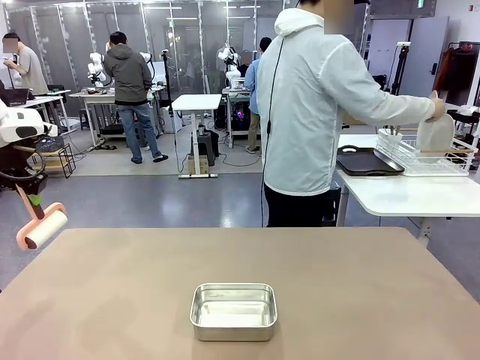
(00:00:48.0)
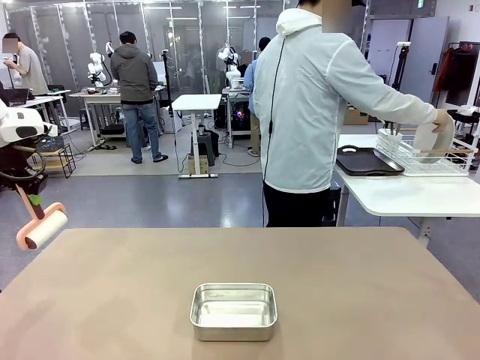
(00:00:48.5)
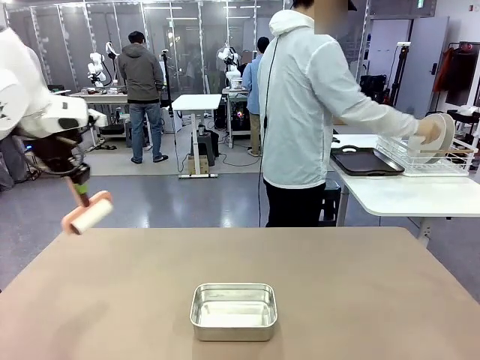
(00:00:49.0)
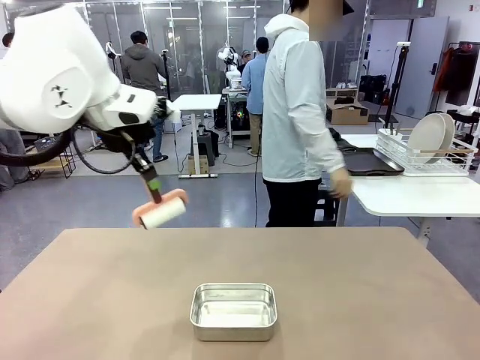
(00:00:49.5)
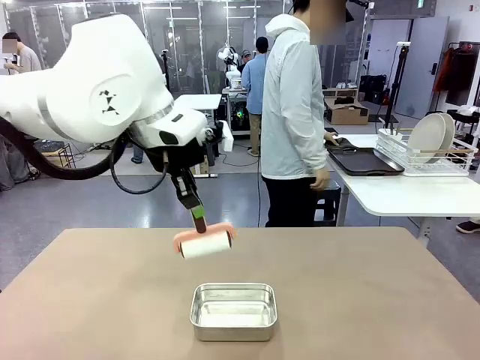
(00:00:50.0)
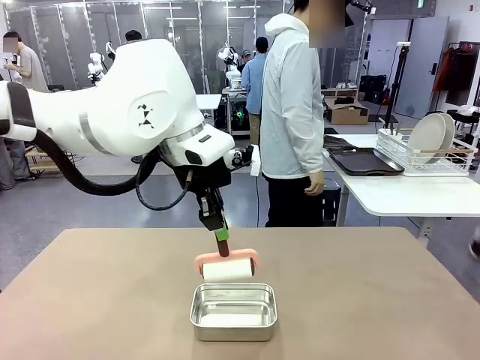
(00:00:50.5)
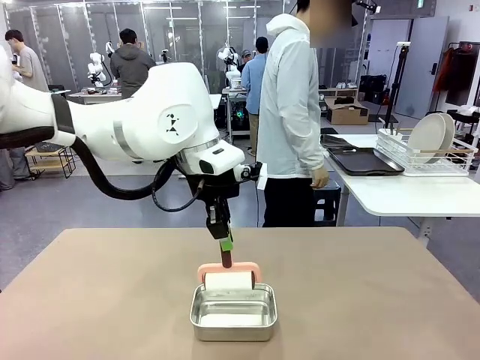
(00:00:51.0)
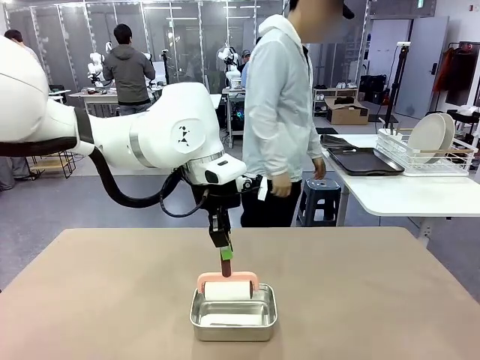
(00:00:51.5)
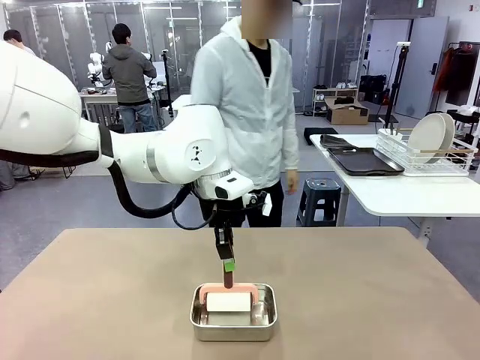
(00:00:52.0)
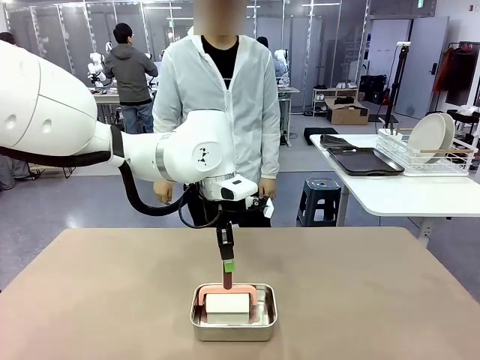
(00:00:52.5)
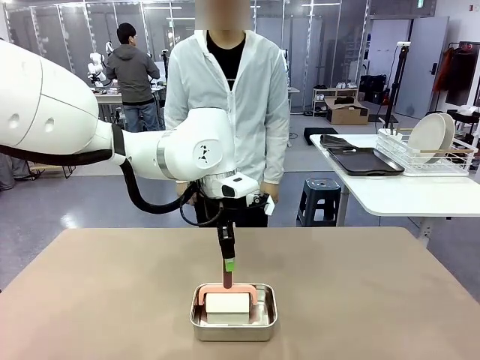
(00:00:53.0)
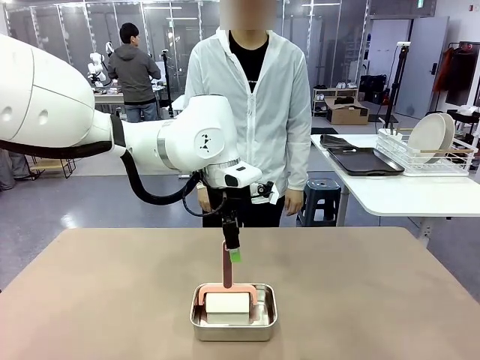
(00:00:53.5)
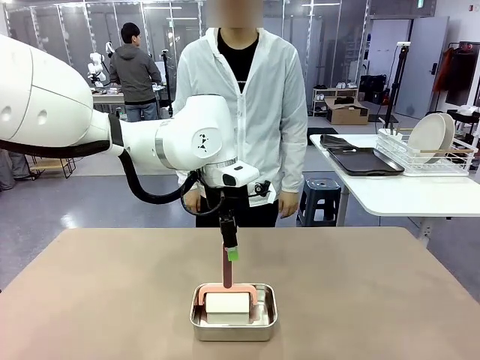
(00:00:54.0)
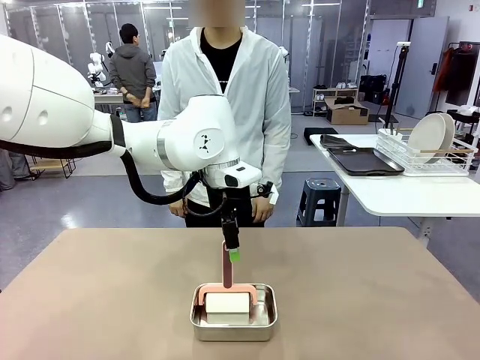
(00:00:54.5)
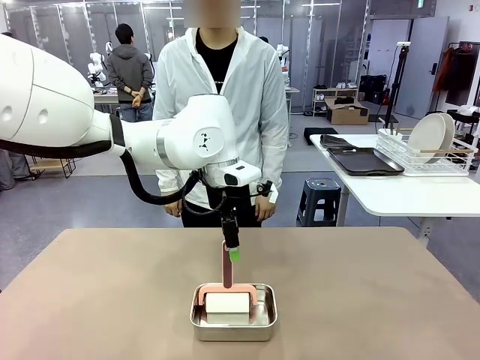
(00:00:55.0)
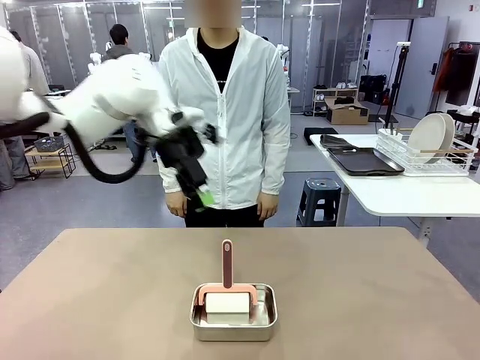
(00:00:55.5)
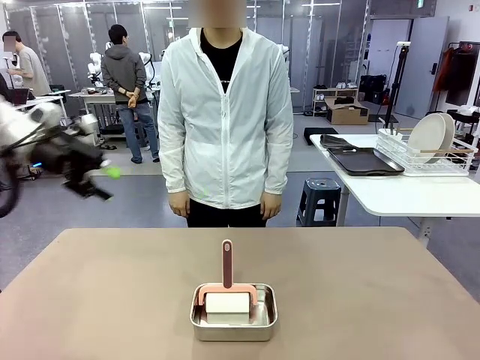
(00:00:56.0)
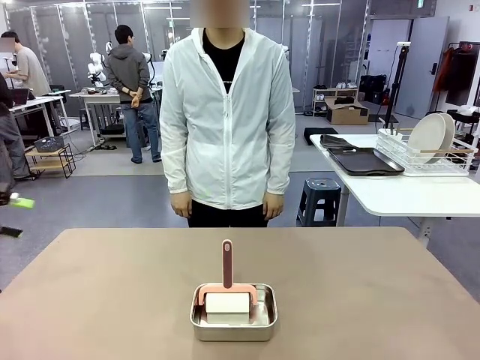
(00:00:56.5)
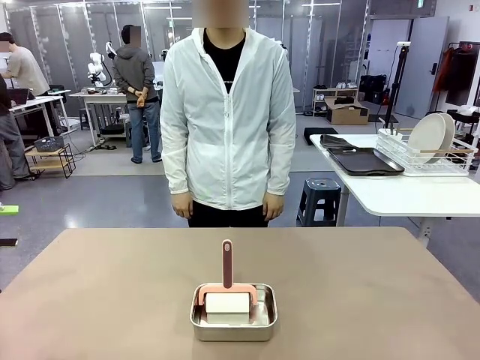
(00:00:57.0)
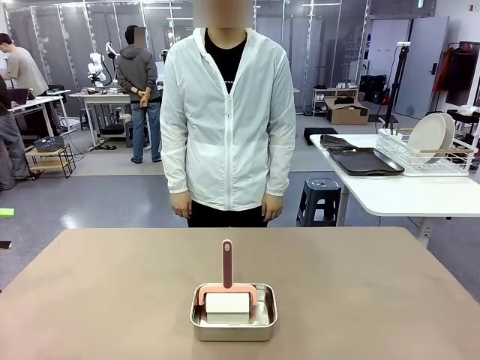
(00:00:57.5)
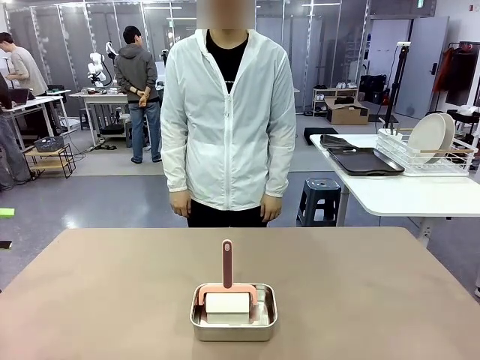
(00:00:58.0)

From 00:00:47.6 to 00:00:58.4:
Robot: Place the Lint Roller back on top of the Airtight Container.

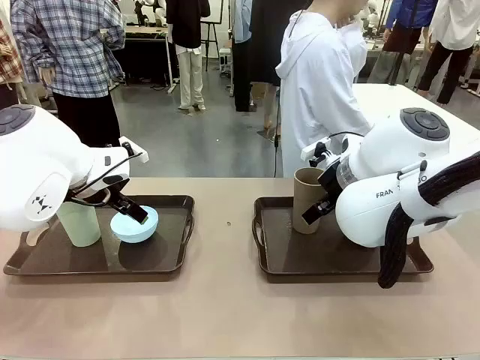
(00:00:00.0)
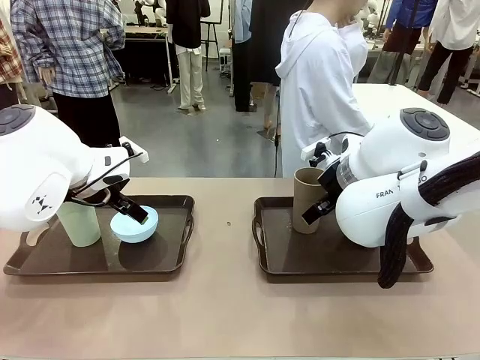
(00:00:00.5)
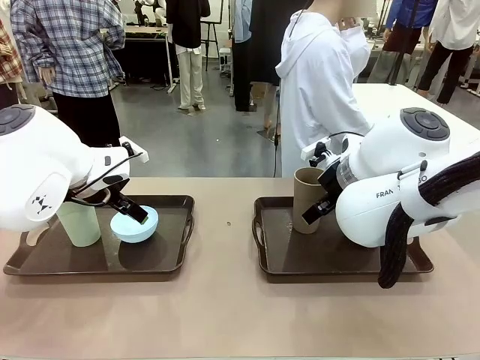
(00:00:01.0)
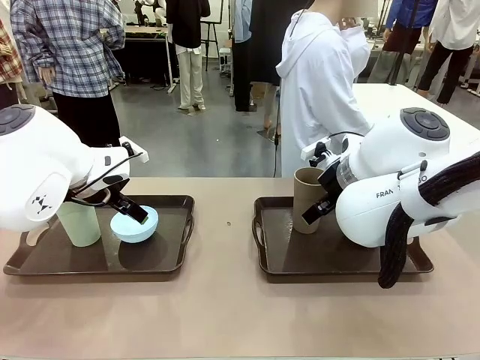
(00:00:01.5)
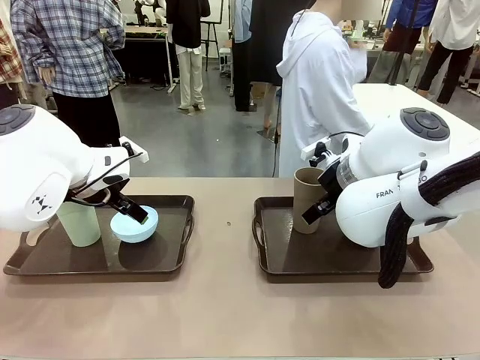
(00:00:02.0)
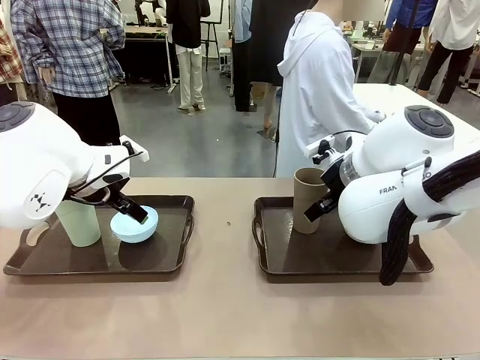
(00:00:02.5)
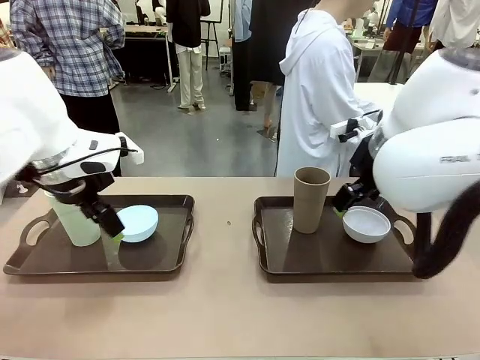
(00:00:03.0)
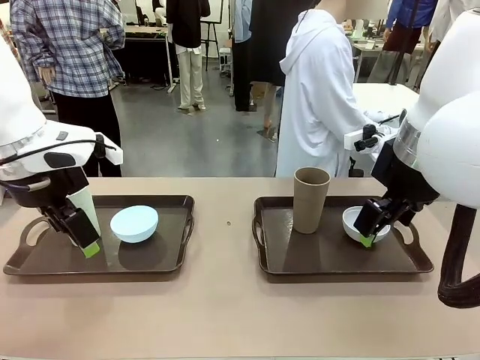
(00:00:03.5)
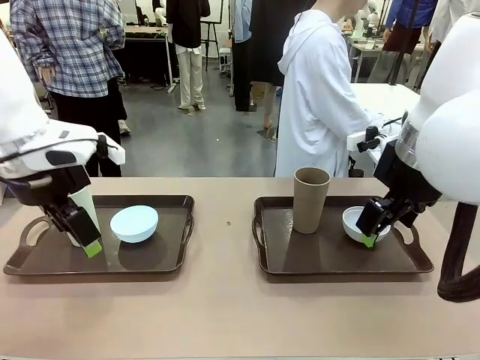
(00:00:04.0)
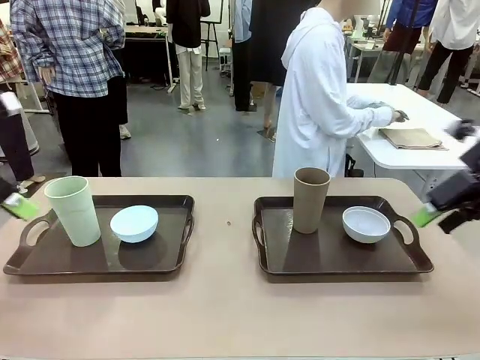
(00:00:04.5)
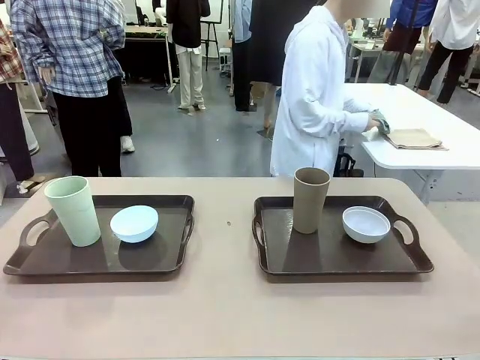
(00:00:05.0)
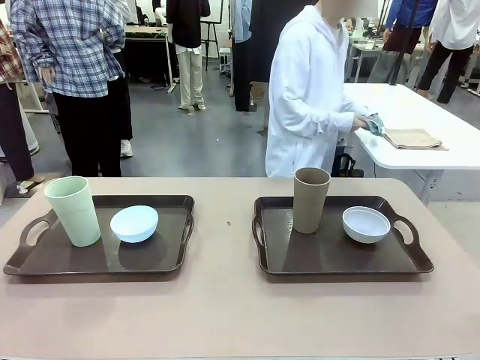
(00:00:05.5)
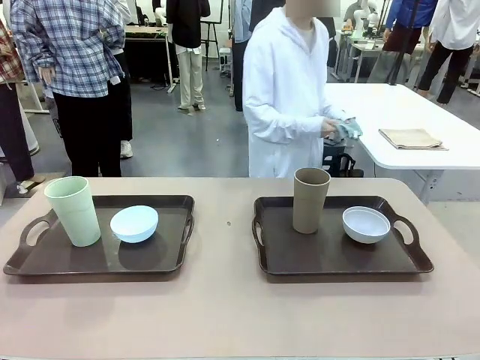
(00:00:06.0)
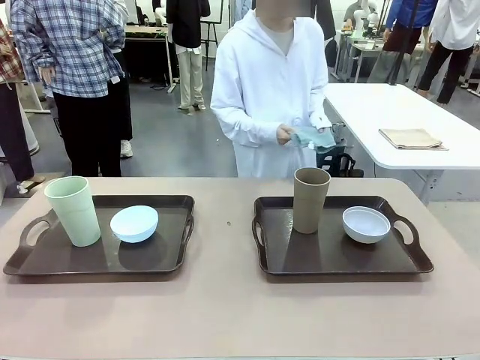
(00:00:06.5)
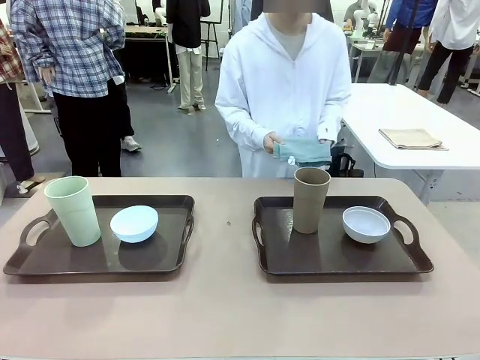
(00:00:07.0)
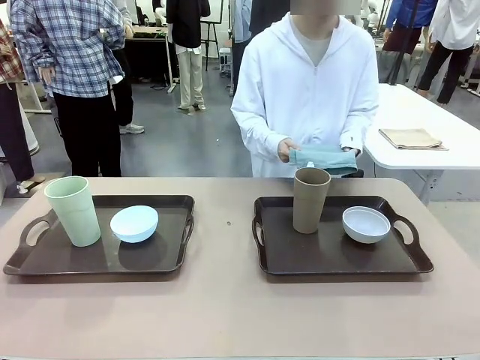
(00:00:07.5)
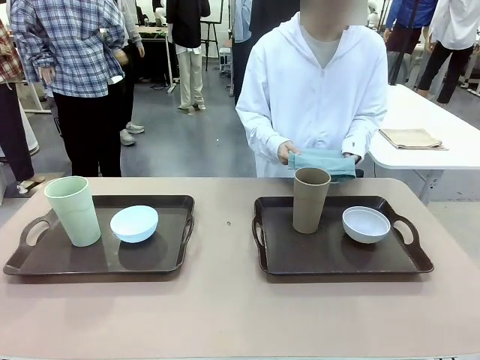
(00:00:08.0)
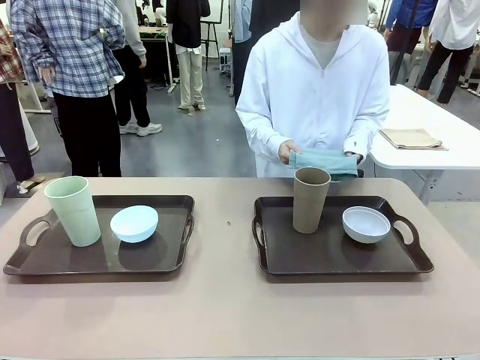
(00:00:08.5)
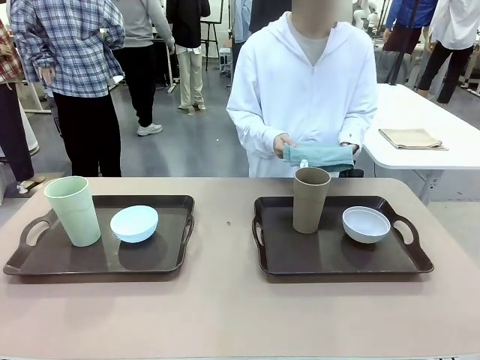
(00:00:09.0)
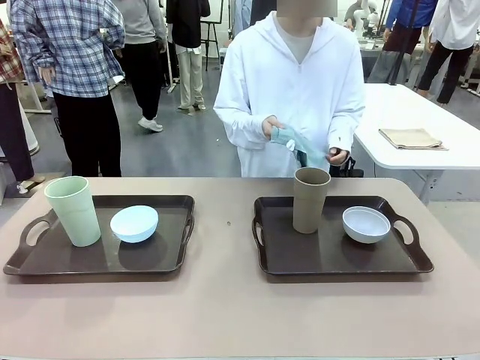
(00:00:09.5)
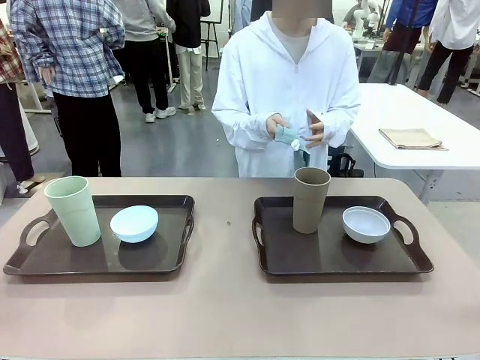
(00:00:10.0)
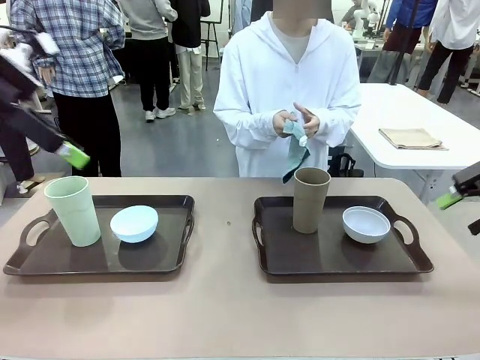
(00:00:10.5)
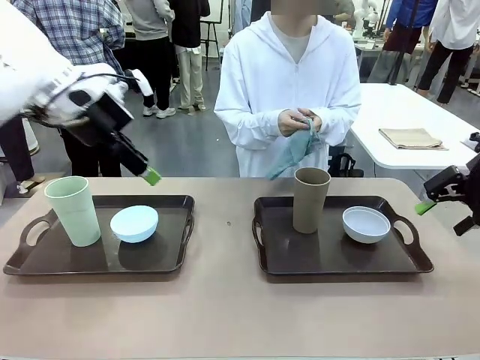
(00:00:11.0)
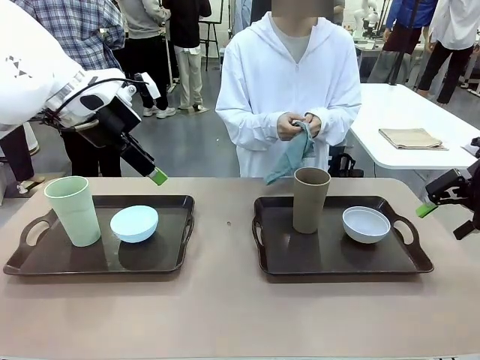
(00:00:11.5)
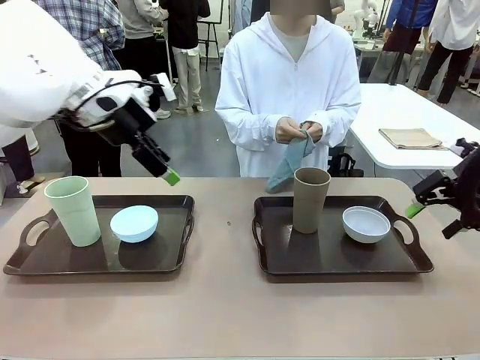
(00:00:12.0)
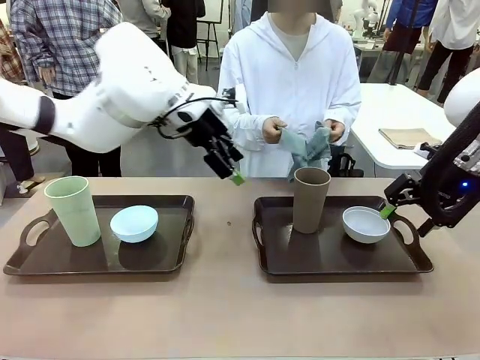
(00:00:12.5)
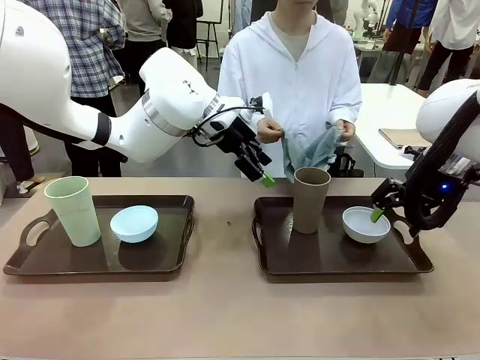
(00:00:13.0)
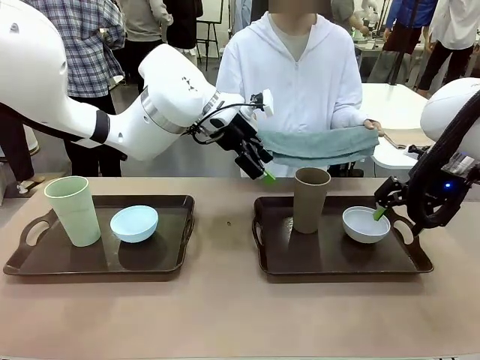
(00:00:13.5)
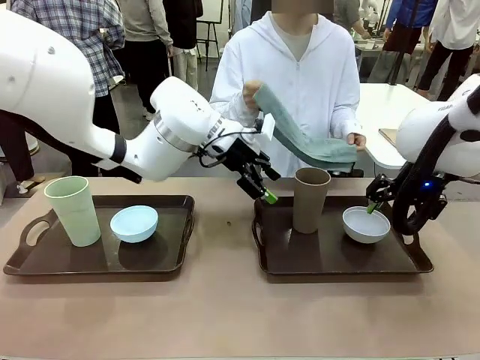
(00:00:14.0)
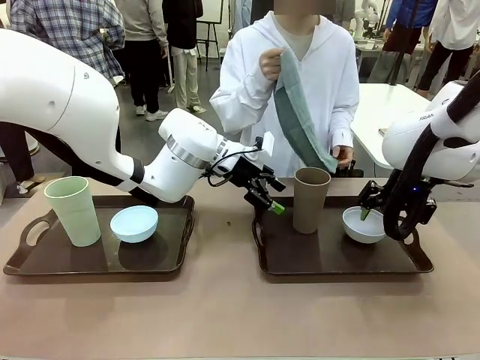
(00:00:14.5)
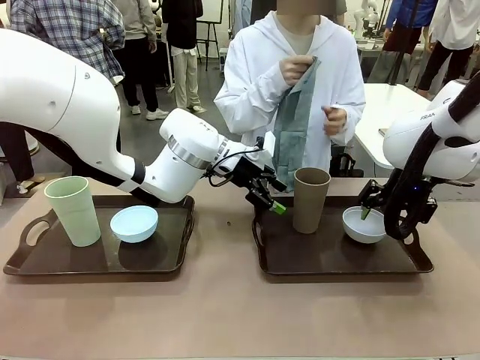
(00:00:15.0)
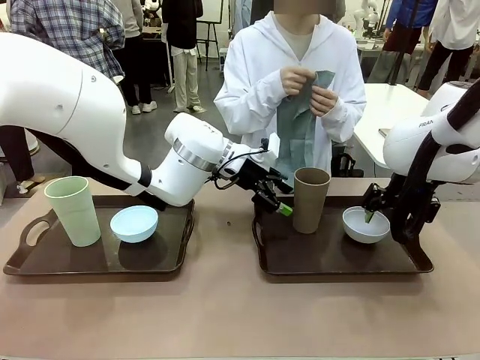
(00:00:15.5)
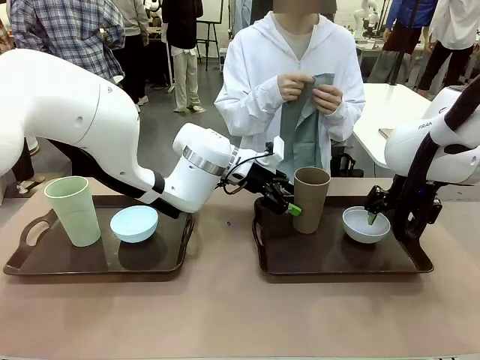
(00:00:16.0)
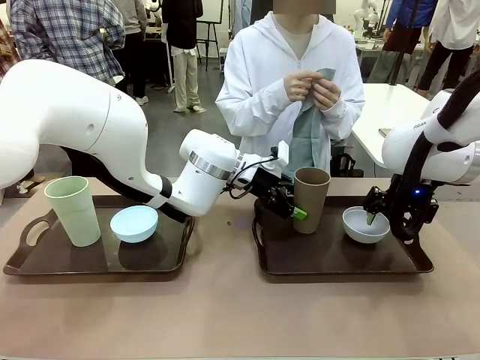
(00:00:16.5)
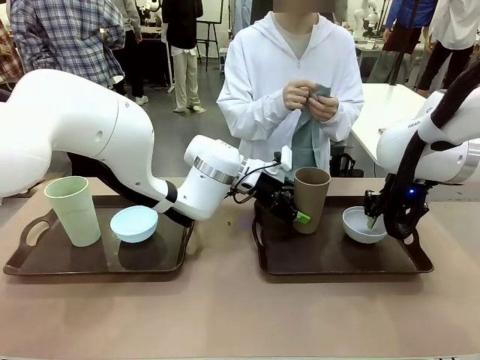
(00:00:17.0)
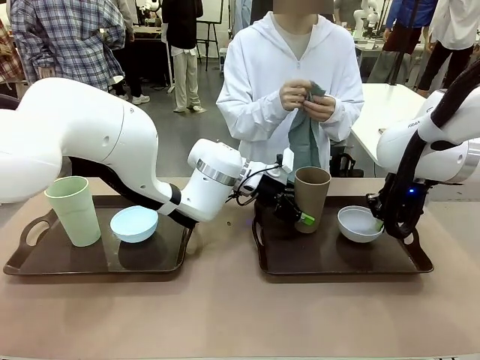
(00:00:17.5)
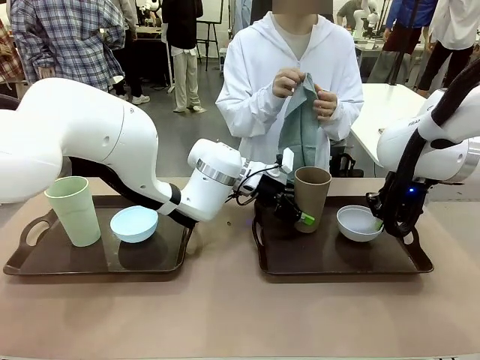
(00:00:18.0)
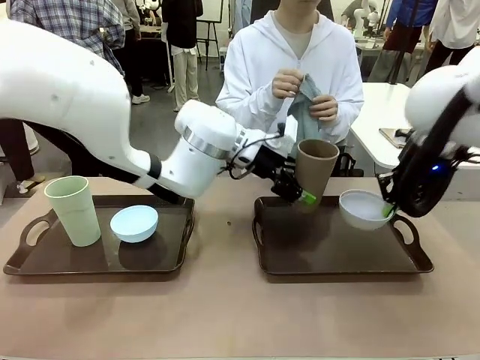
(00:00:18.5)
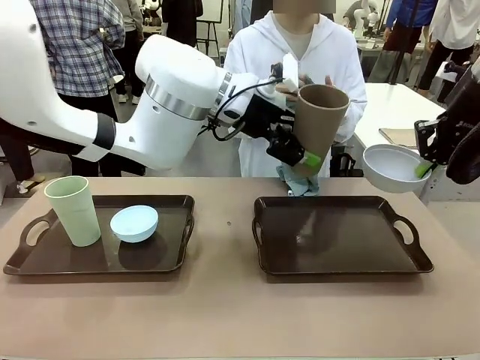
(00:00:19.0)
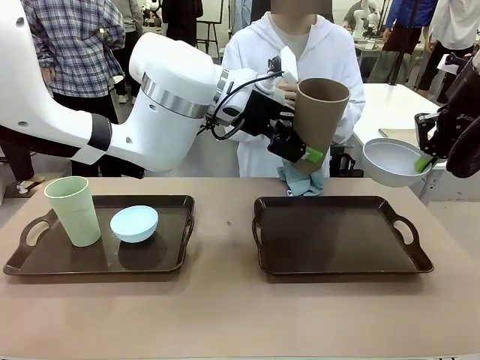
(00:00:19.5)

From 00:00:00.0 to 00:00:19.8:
Robot: Pick up the Picnic Bowl and Reusable plastic cup from the Handle tray in front of the human's position and hold them in the air.
Person: The human picks up the top napkin from the stack on the human table and walks to the robot table to stand in front of one of the two trays. When the robot lifts the bowl and the cup, the human unfolds the napkin and lays the napkin flat on the tray.
